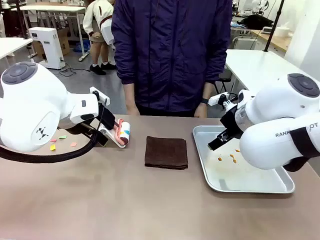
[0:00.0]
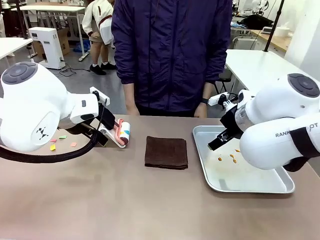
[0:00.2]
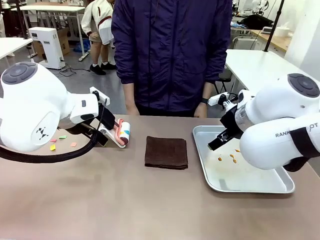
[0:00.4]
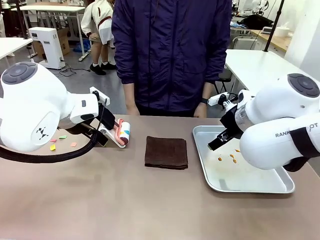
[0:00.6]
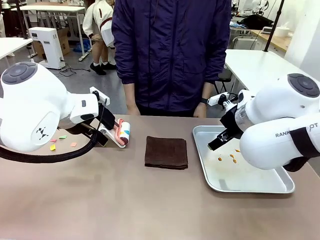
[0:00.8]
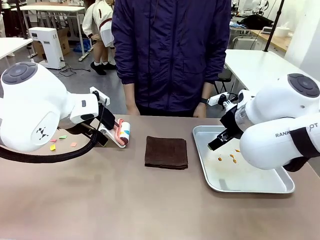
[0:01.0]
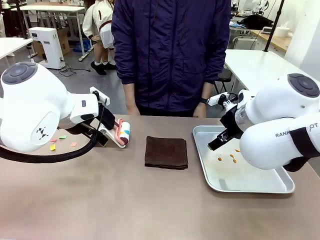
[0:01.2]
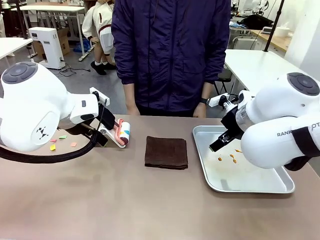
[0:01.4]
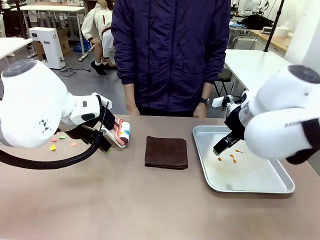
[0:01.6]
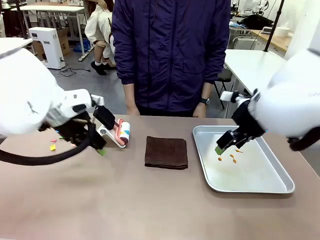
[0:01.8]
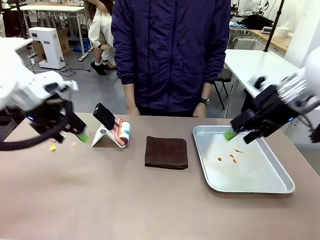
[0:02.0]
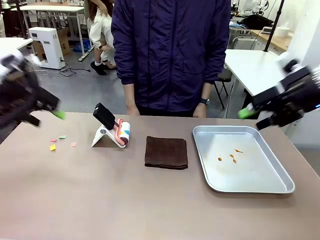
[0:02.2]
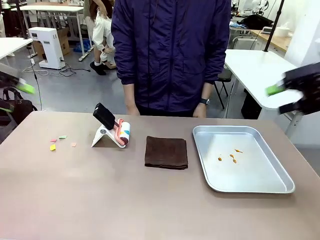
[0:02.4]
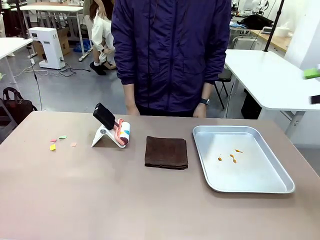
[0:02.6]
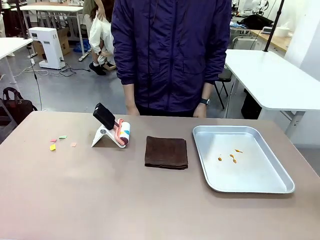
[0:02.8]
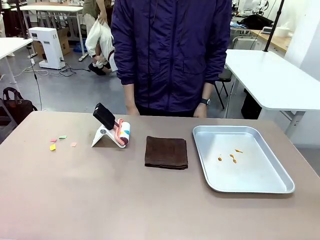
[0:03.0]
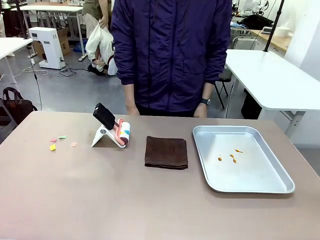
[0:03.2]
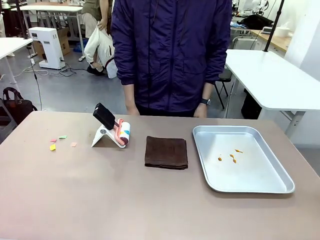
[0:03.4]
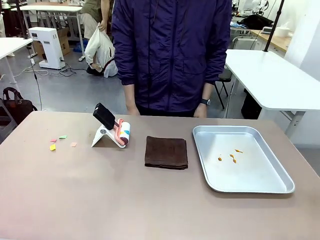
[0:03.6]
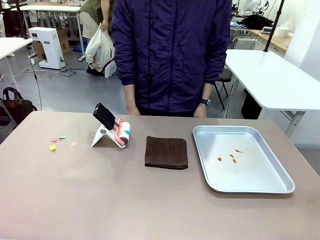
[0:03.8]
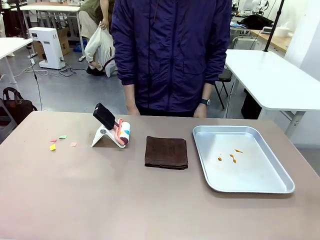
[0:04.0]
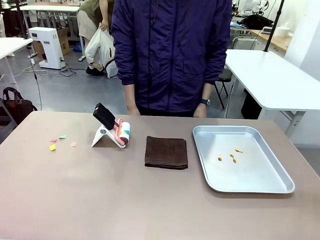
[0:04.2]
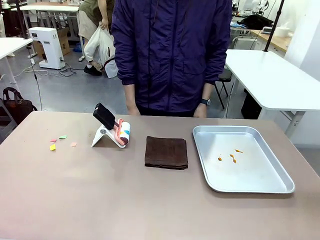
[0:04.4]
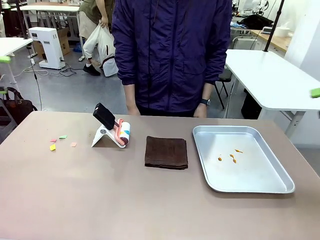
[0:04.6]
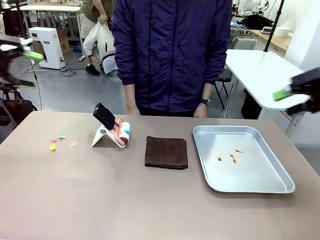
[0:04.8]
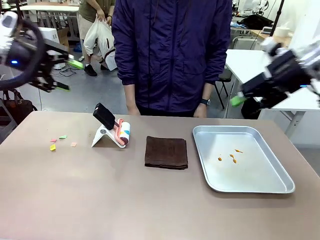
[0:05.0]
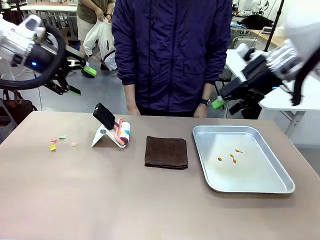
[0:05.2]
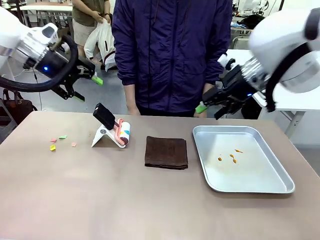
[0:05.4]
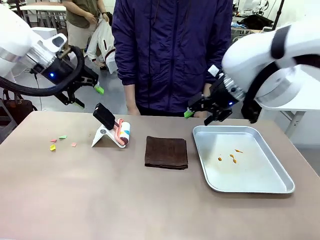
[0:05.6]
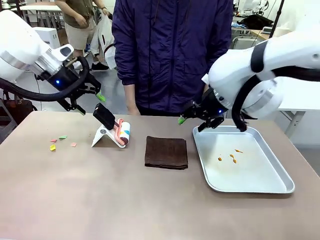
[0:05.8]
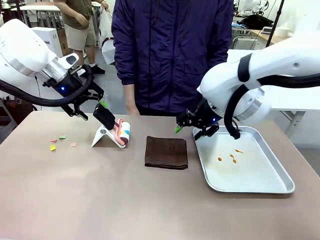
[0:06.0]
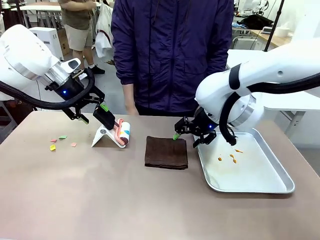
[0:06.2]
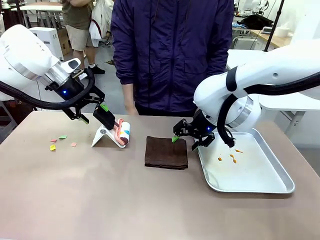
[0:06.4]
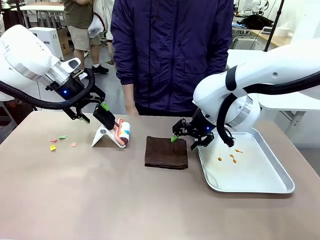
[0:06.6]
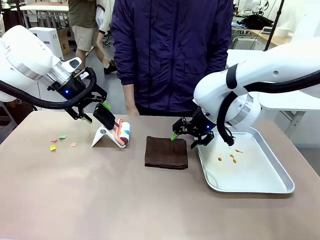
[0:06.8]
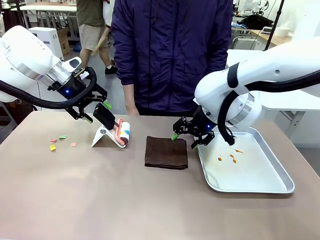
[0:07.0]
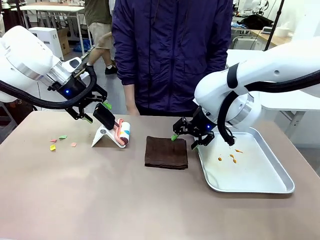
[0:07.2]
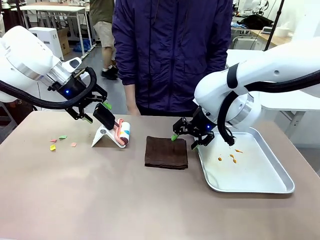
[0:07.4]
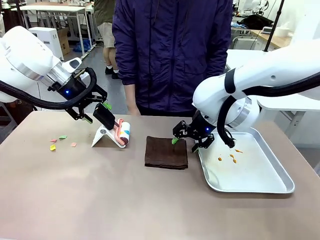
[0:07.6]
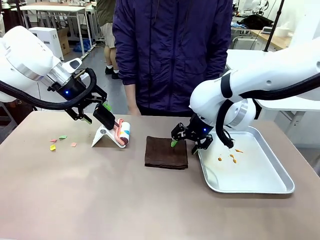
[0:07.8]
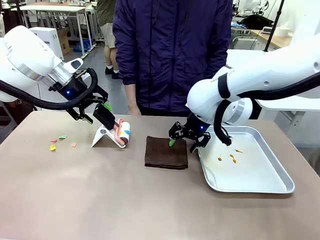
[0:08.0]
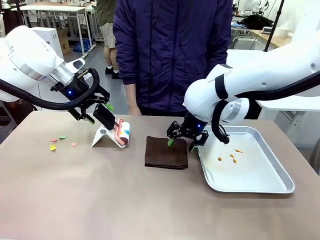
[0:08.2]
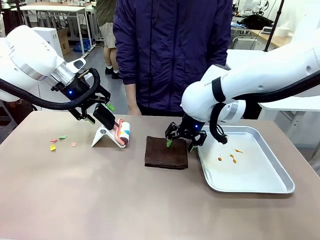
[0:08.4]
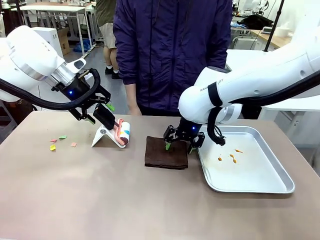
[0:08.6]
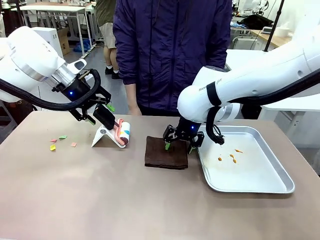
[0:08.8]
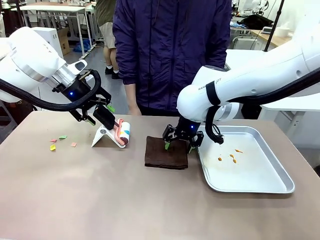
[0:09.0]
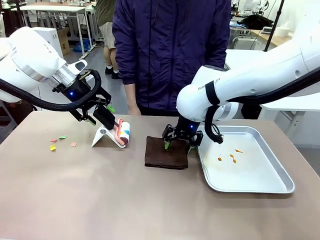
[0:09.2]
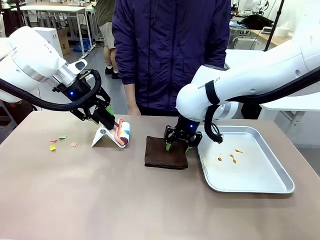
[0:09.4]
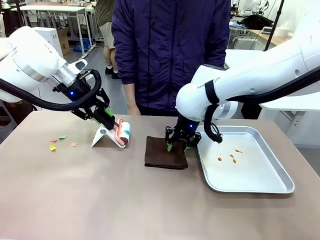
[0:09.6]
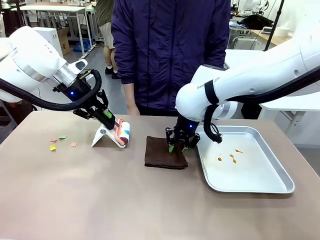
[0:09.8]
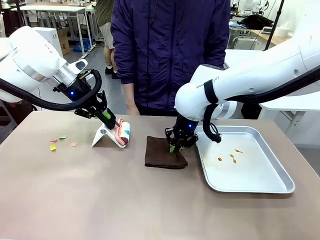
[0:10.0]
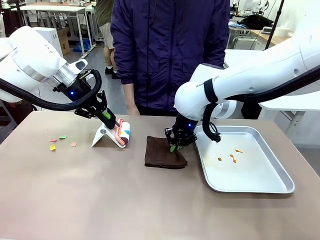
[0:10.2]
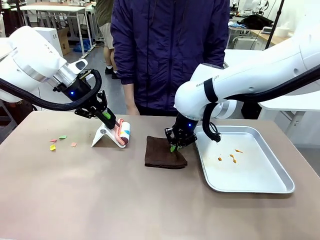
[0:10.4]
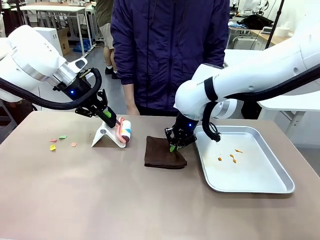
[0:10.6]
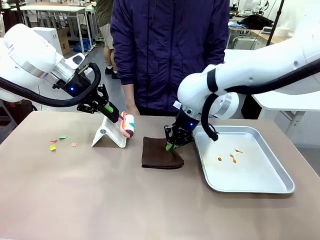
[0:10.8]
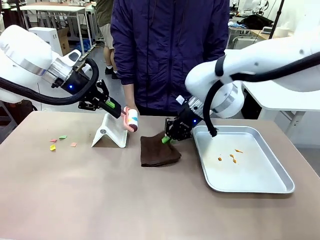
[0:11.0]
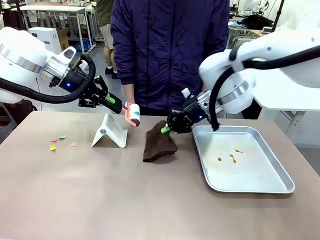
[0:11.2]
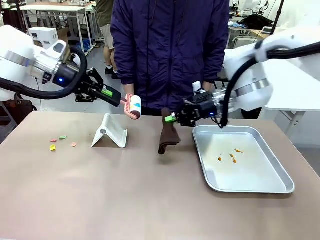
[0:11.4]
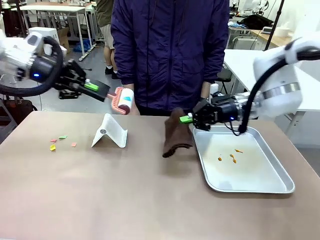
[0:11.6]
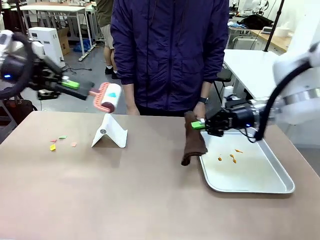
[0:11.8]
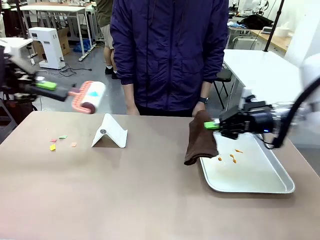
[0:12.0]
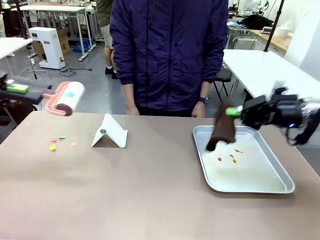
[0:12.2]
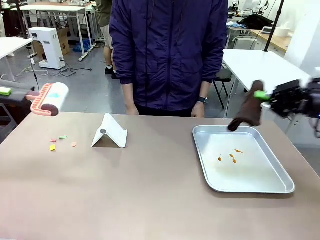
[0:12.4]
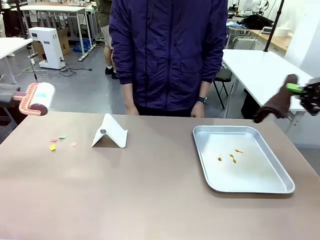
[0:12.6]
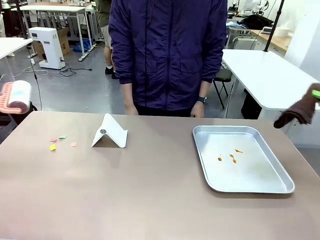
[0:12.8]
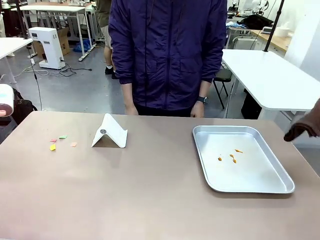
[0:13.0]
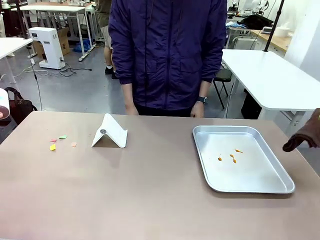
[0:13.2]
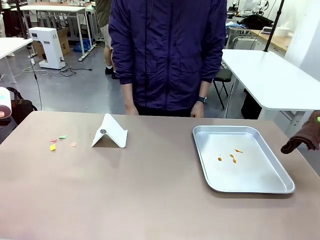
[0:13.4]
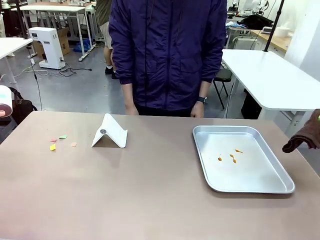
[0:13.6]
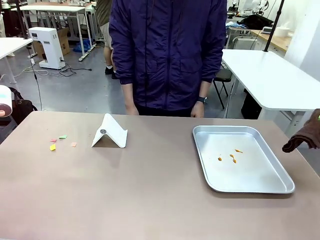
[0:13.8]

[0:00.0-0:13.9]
Task: Clean the surface of the table.
Robot: Hold the Lint Roller with your left hand and the towel with your right hand.

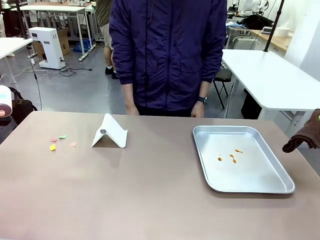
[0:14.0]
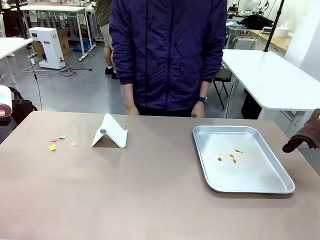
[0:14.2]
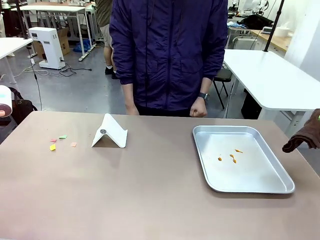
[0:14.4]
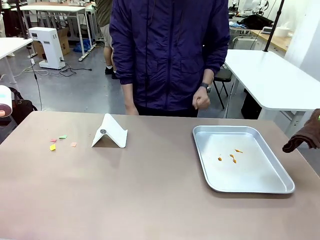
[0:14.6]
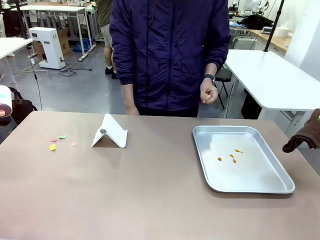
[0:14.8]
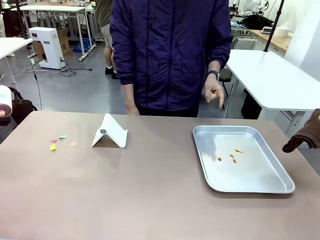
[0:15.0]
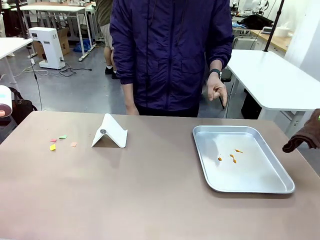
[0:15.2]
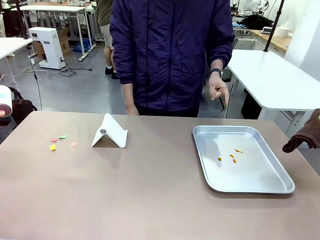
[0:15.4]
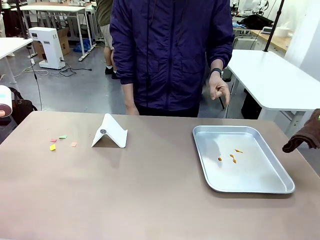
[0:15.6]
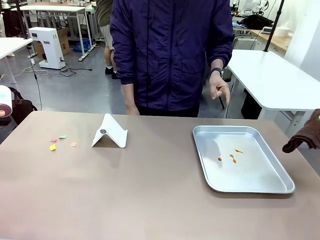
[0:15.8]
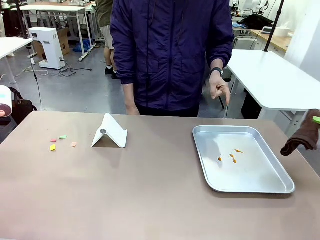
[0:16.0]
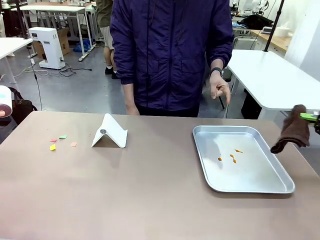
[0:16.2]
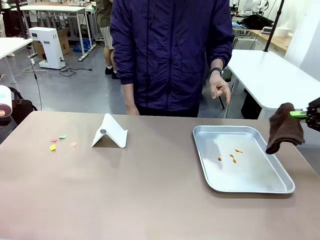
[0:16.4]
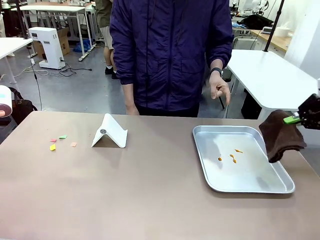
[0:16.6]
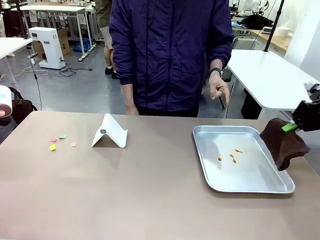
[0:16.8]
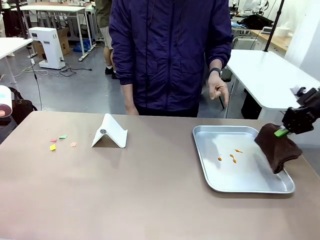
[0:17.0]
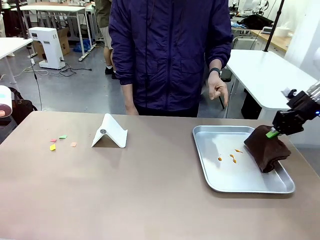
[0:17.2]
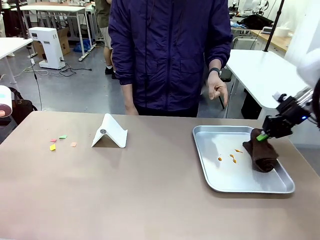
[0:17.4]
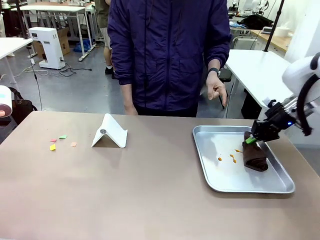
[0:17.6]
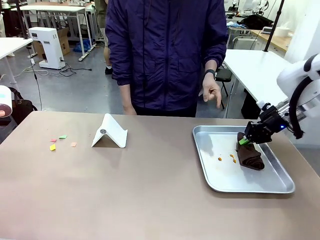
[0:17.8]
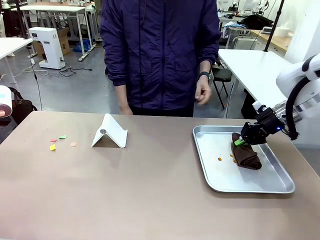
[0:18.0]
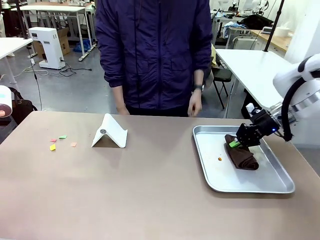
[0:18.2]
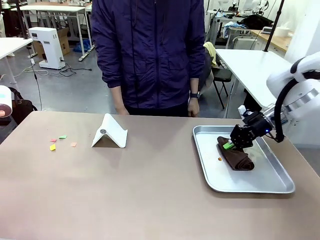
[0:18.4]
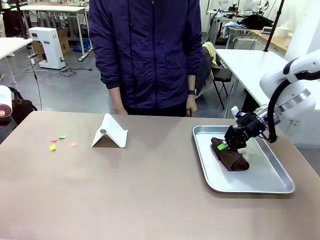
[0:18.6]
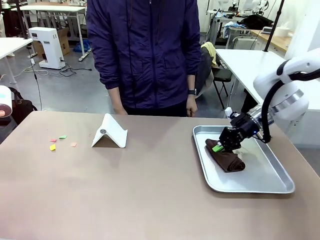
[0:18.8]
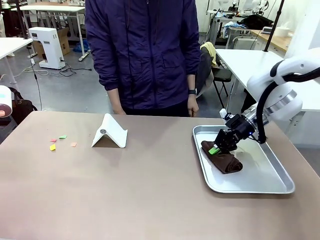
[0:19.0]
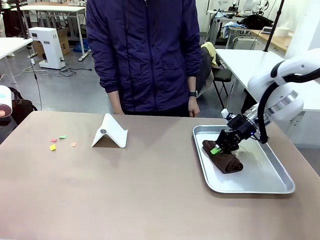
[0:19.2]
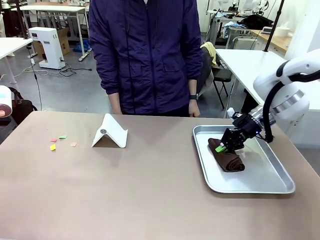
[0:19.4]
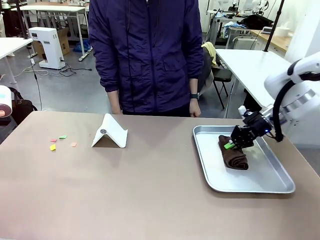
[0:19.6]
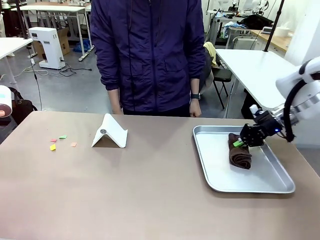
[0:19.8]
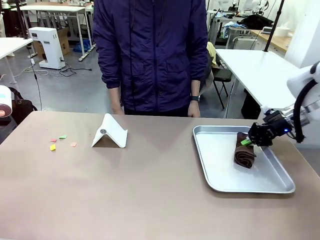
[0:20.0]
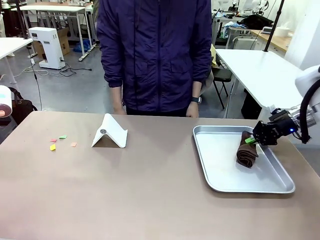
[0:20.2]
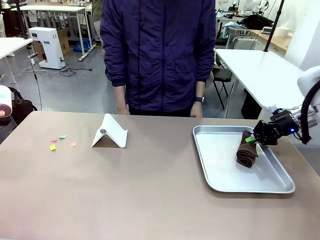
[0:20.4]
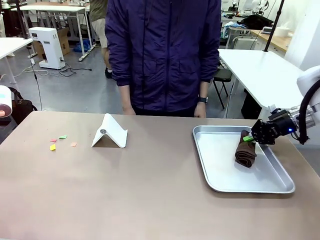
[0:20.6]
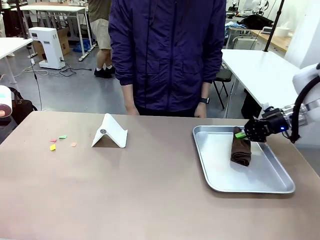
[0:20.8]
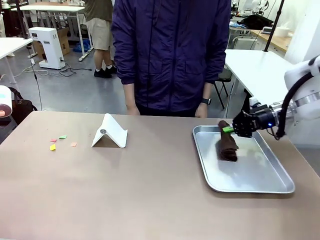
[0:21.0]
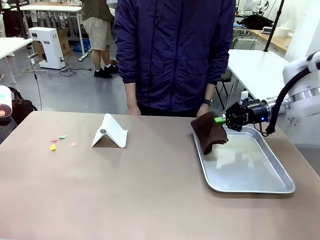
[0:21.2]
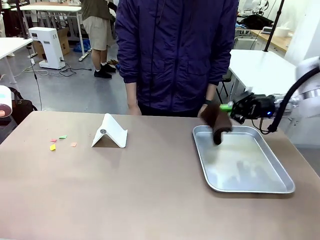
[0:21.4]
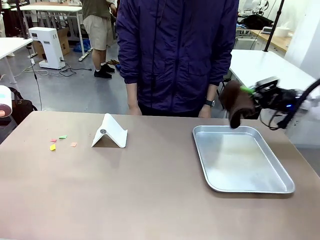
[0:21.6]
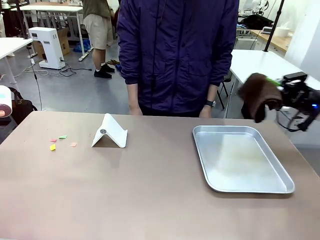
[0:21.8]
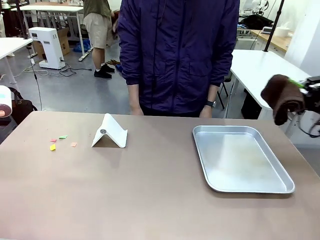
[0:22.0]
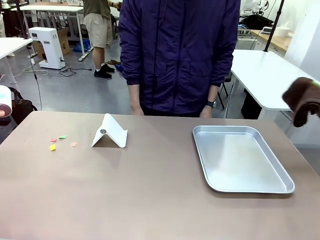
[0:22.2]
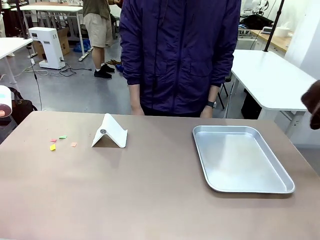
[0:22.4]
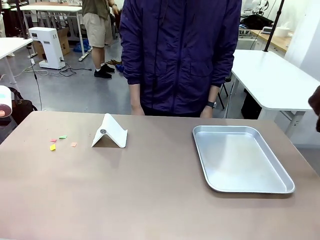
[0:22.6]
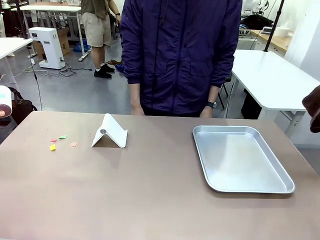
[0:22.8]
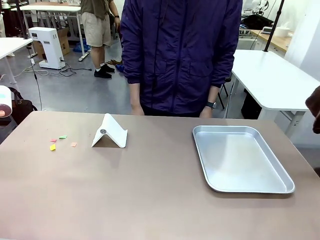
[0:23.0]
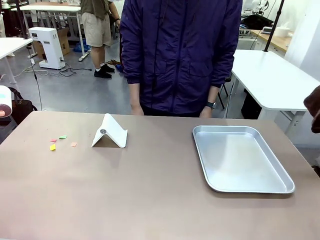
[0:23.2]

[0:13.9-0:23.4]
Robot: If a person points to the right, clean the right side of the table with your right hand, and if they point to the left, clean the left side with your left hand.
